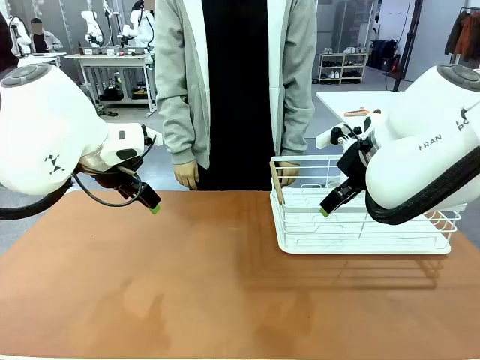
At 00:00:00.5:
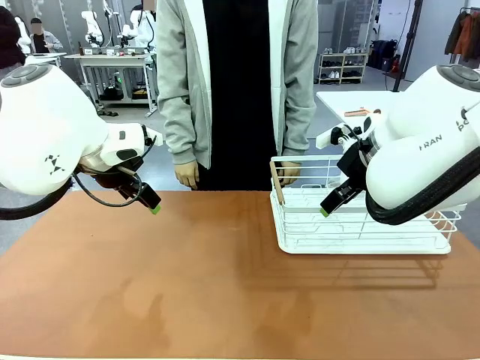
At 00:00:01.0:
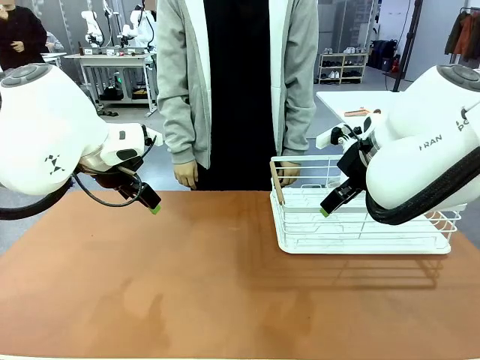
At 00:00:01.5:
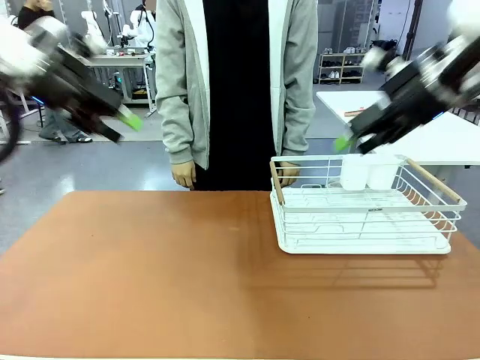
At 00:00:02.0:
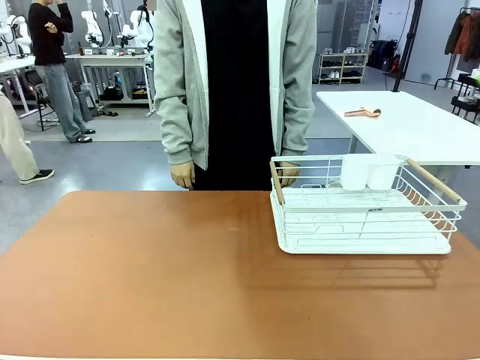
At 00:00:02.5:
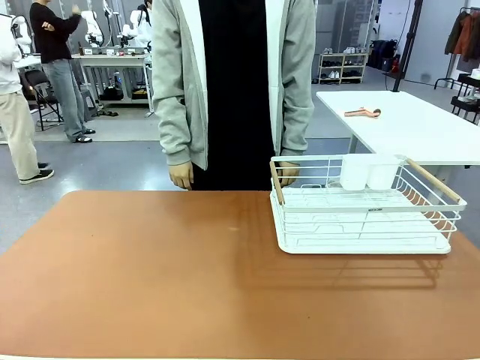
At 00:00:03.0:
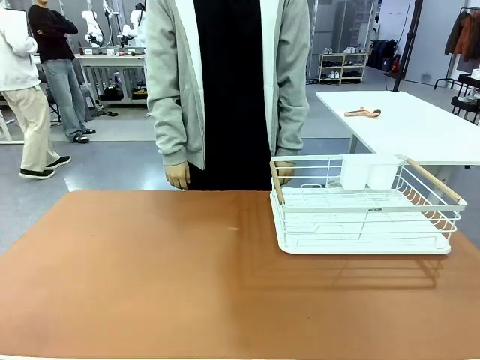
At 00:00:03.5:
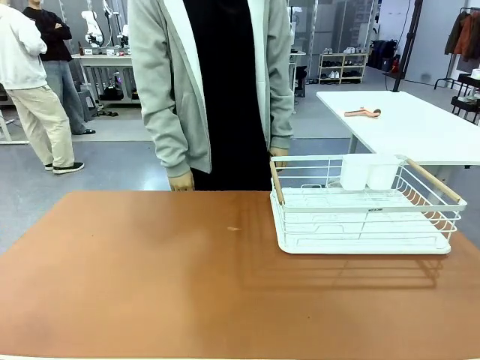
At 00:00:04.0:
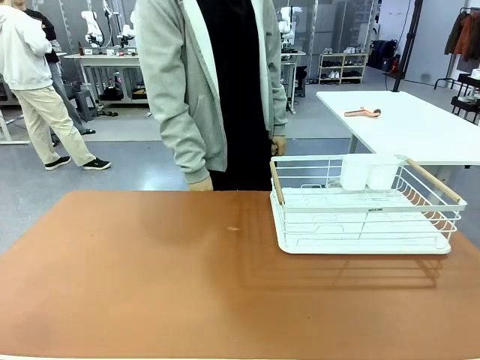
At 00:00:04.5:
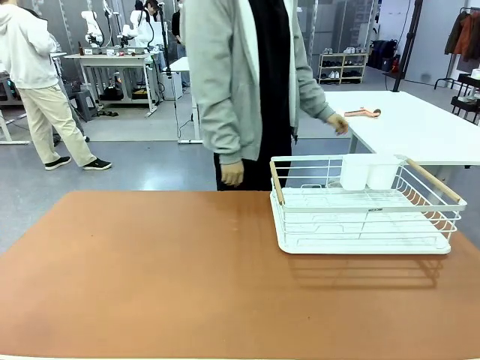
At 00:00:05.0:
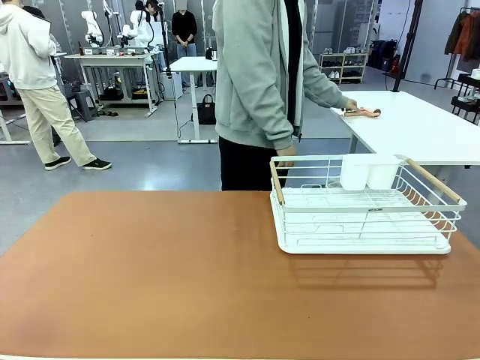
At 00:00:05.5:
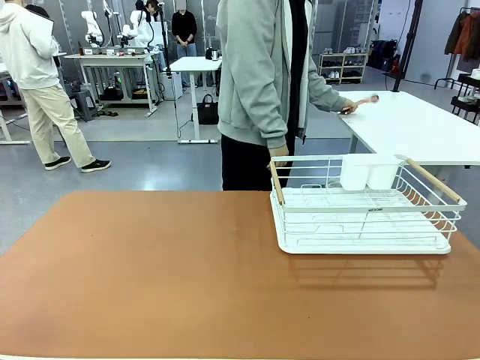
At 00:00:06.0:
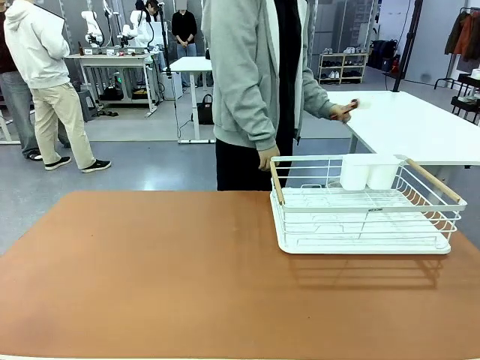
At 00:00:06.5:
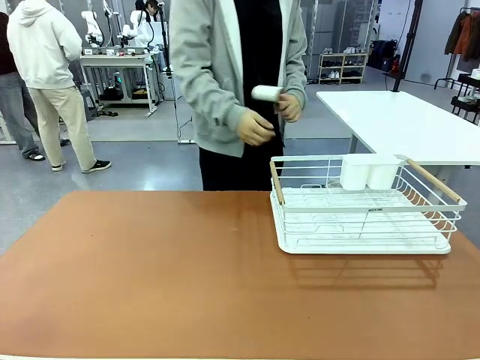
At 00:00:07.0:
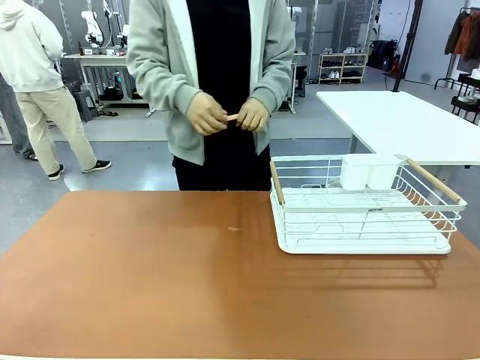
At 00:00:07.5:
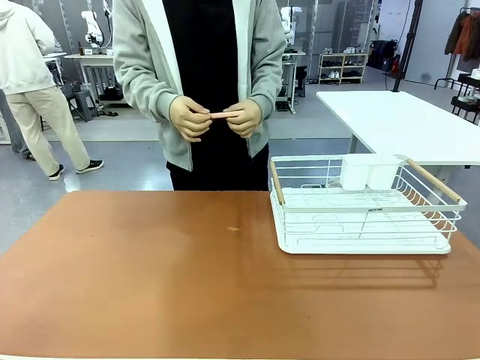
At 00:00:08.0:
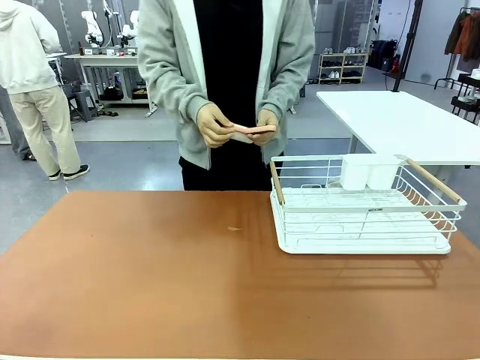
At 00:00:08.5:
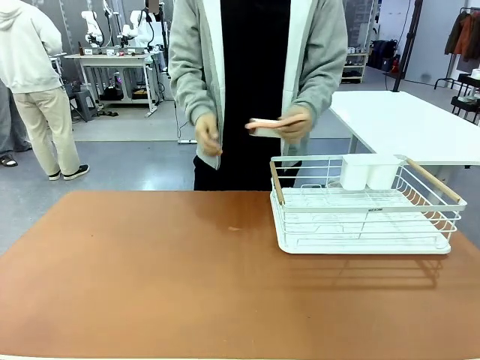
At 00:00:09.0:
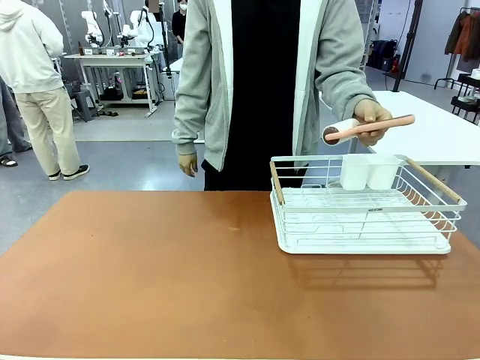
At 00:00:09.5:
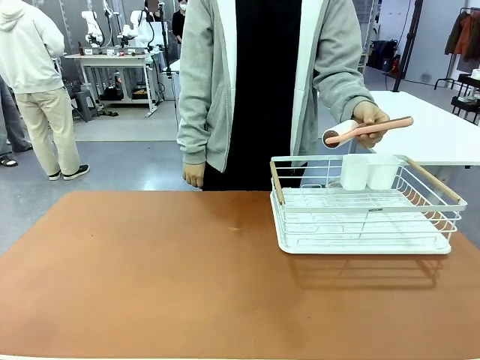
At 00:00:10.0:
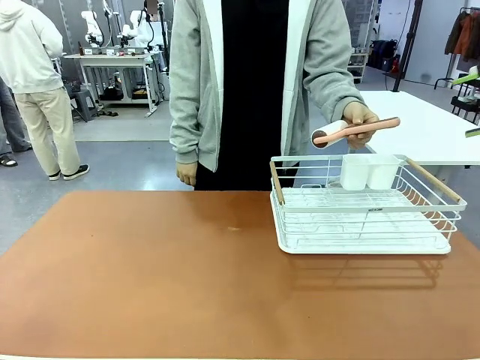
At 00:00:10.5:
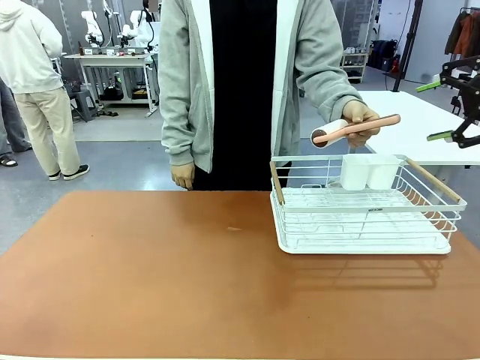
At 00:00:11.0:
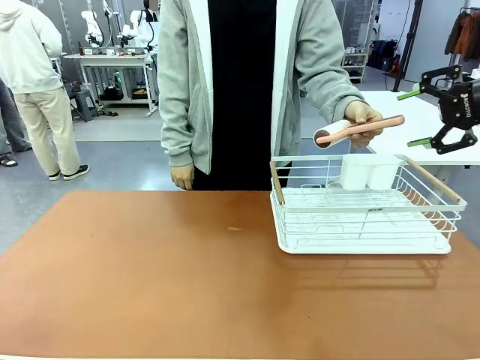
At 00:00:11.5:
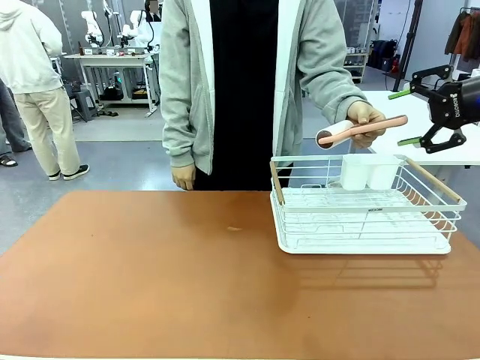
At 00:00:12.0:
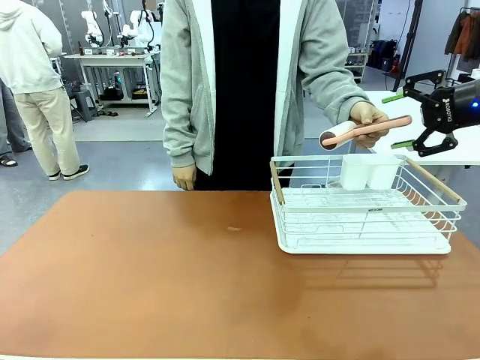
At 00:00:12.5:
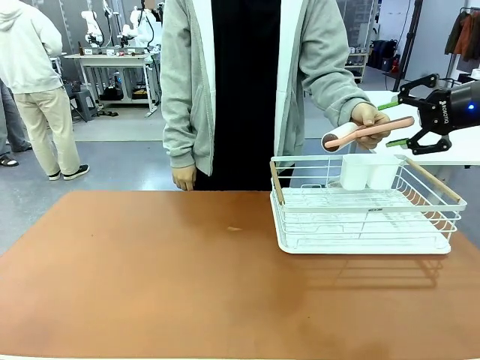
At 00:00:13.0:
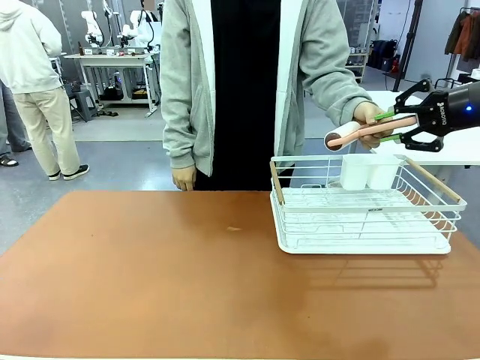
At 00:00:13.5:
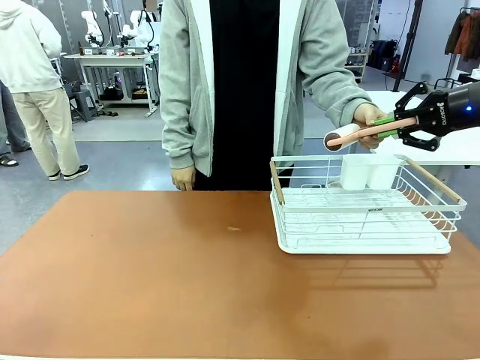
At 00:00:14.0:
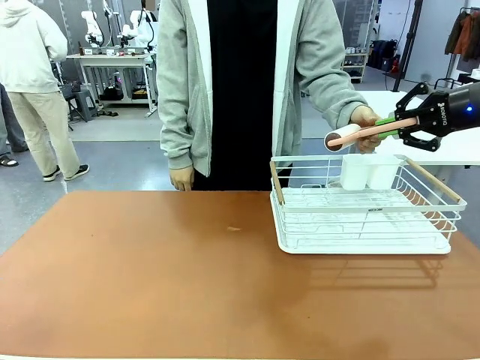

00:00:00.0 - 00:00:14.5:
Task: Clean the table.
Robot: Pick up the Lint Roller when the human hands it over.
Person: Hand the Lint Roller to the robot so it can easily pick it up. Lift the Dish drying rack.

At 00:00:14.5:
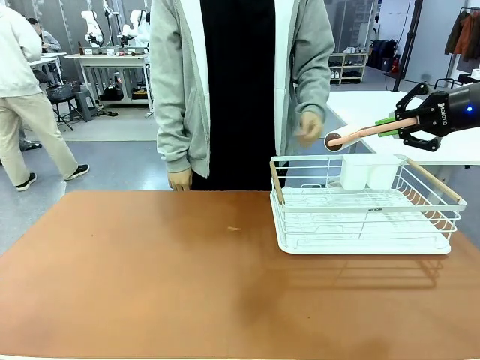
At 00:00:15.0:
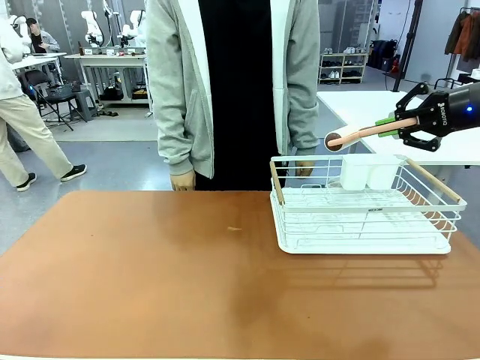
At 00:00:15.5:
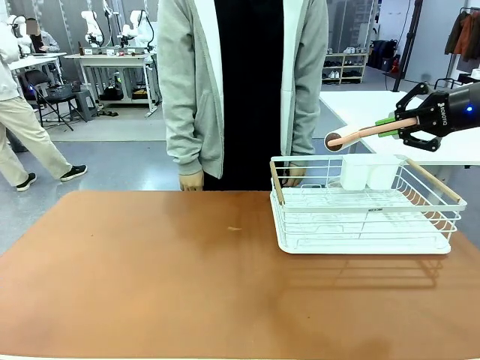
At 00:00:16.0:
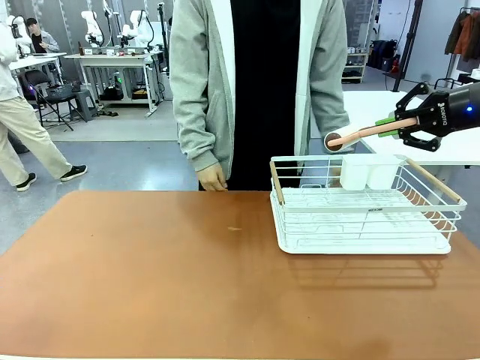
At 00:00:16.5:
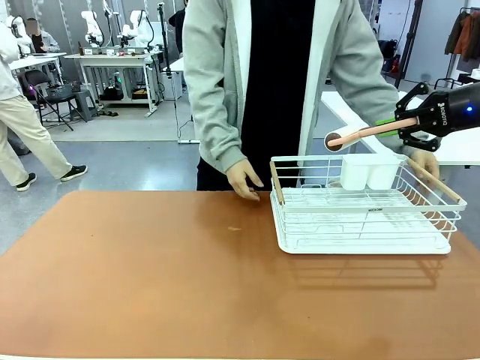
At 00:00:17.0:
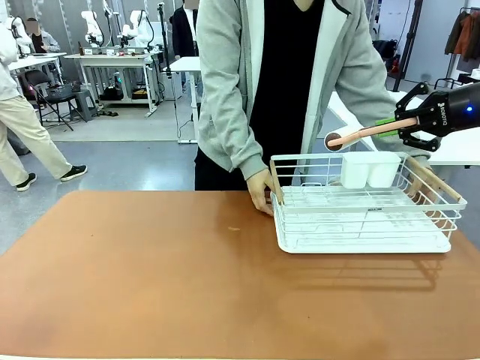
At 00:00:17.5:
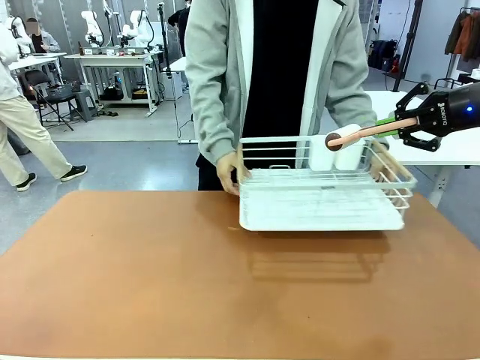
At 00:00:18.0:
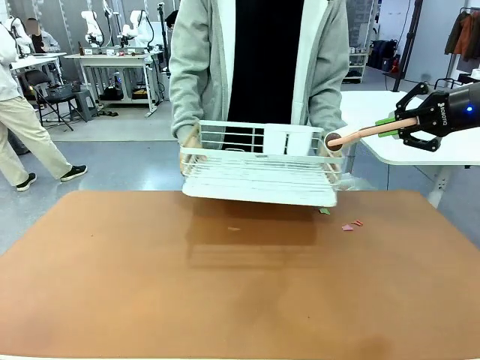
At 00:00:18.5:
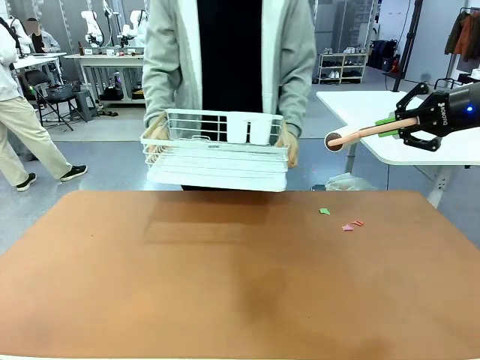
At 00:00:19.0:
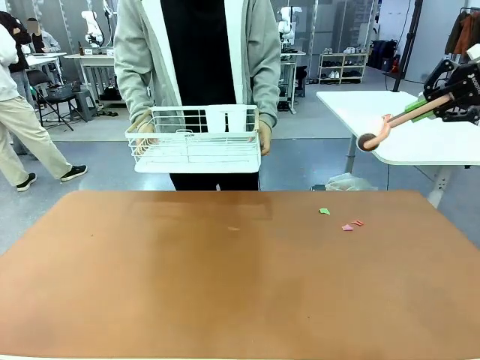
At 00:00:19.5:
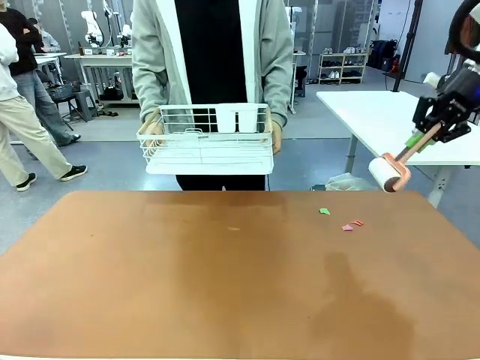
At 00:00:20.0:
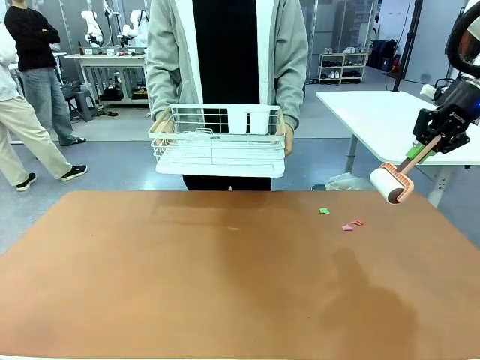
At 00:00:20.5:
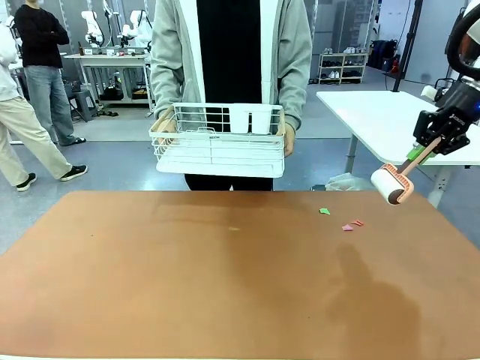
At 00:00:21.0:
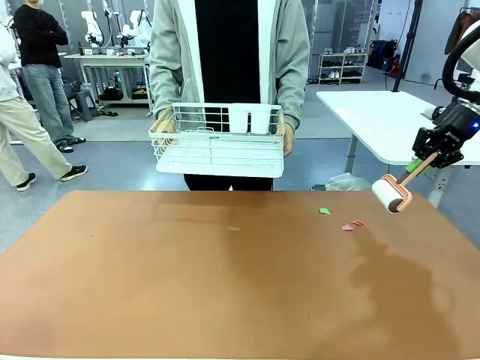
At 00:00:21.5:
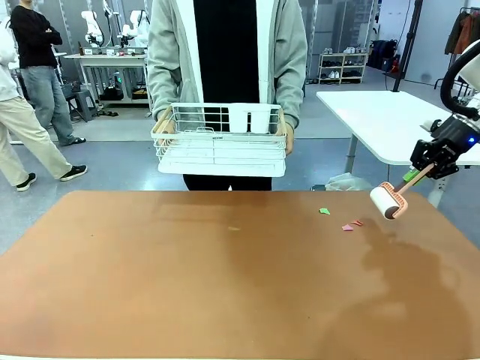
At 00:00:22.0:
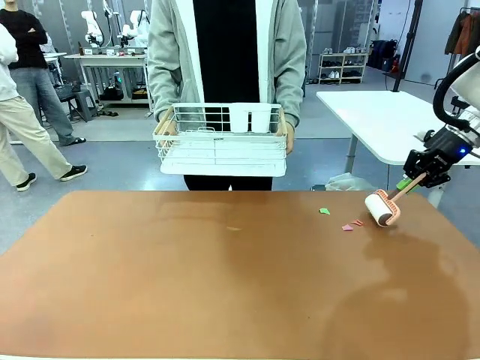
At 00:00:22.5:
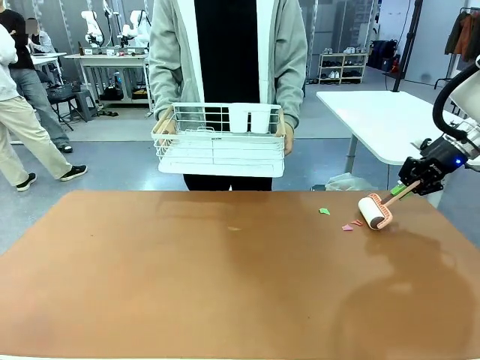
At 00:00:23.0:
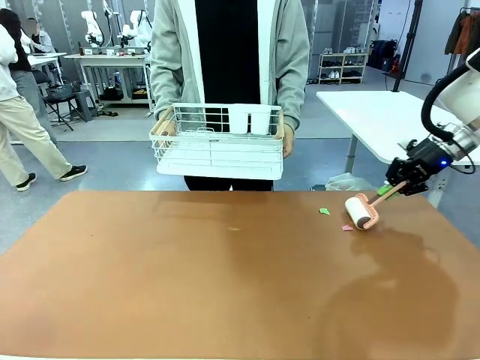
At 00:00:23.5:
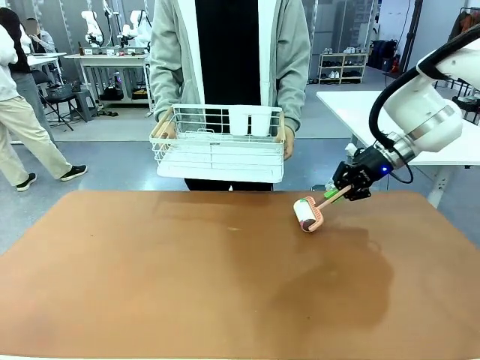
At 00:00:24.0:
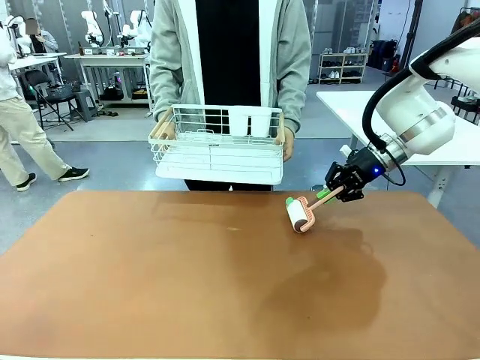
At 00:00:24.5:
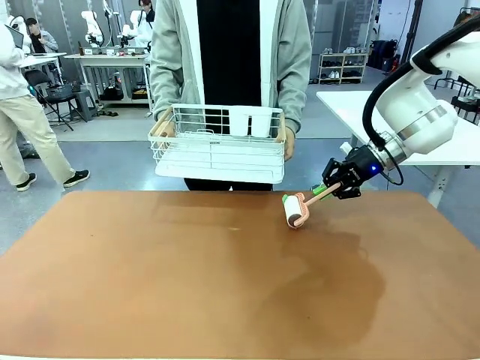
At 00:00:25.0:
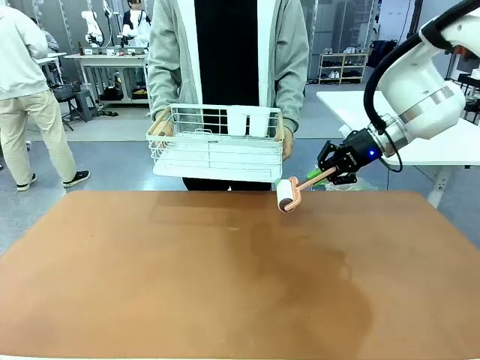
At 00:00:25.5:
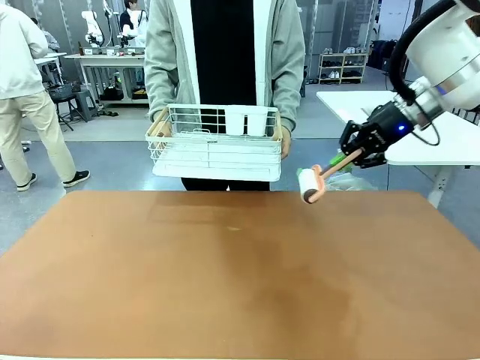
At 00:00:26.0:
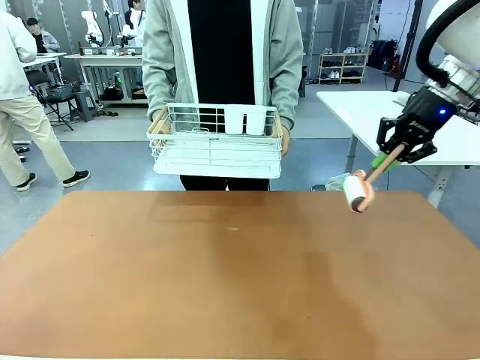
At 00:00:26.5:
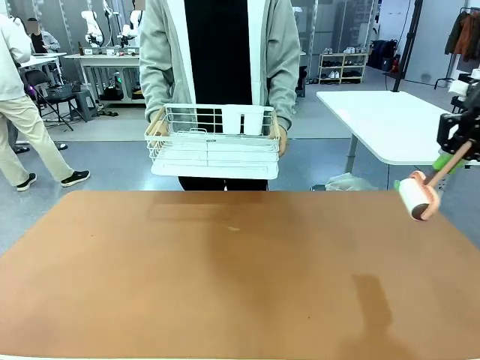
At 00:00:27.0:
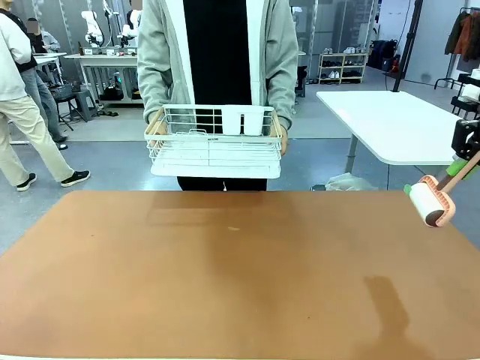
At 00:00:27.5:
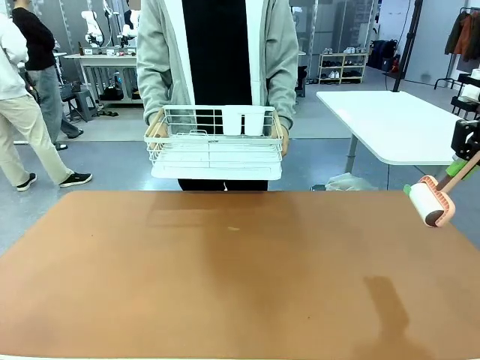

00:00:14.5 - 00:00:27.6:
Robot: Clean the table with the Lint Roller when the human lifts the Dish drying rack.
Person: Place the Dish drying rack down when the robot finishes cleaning.
